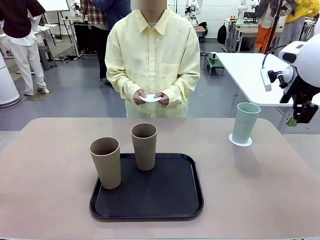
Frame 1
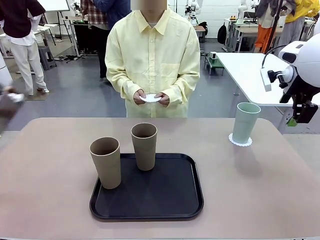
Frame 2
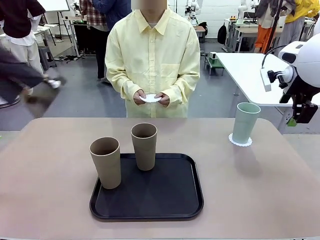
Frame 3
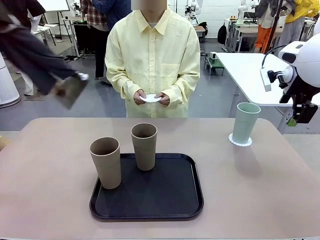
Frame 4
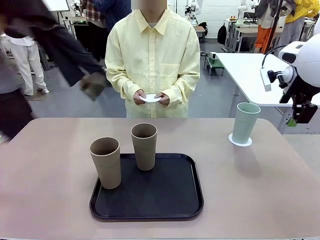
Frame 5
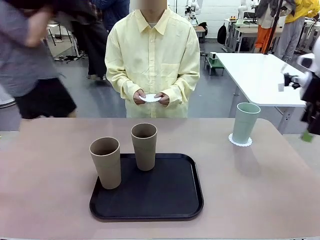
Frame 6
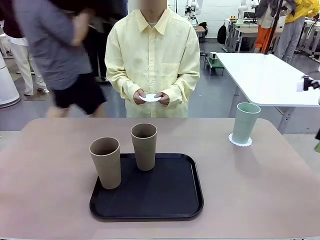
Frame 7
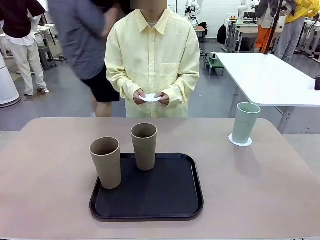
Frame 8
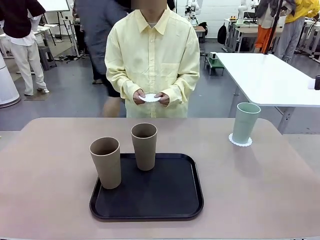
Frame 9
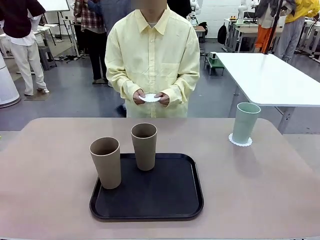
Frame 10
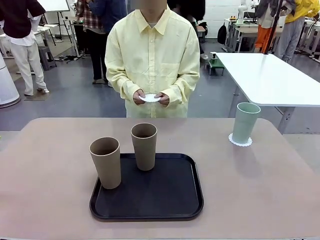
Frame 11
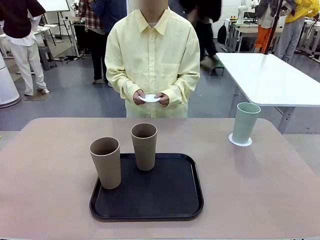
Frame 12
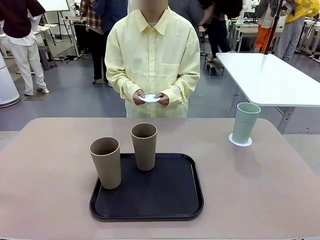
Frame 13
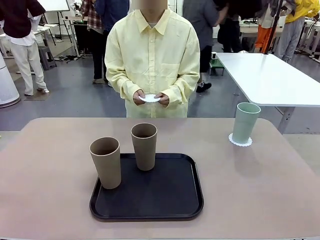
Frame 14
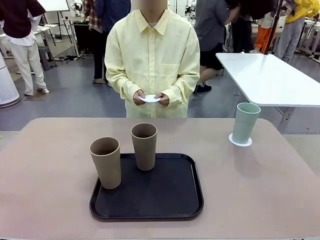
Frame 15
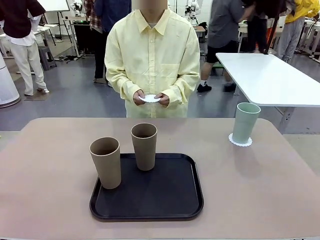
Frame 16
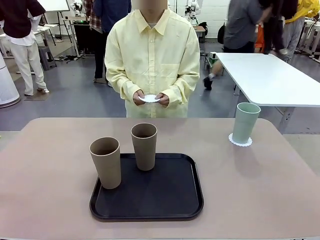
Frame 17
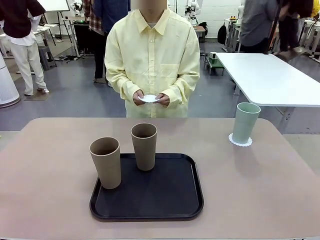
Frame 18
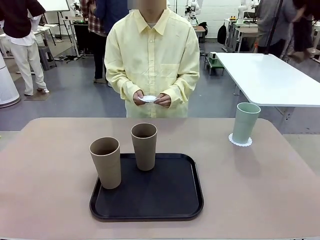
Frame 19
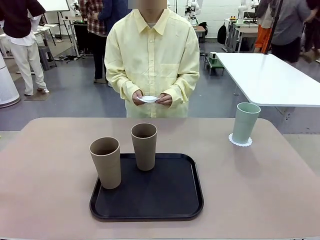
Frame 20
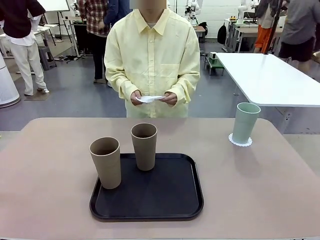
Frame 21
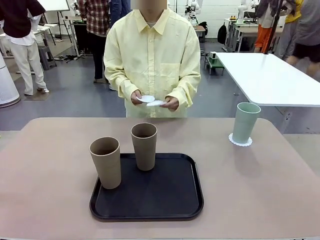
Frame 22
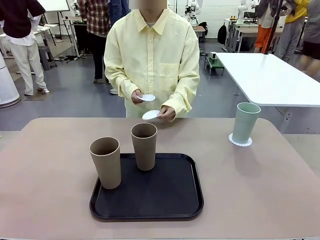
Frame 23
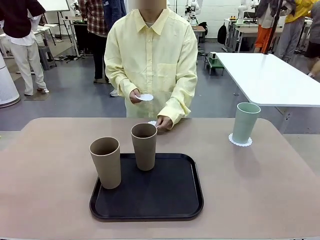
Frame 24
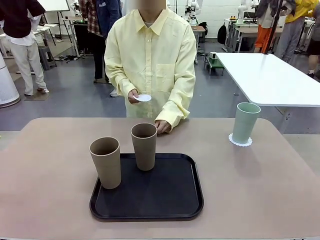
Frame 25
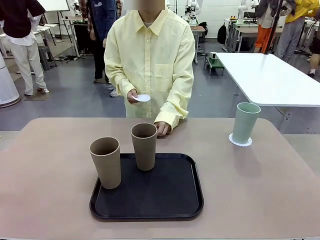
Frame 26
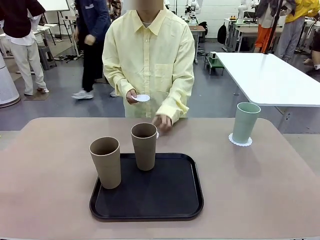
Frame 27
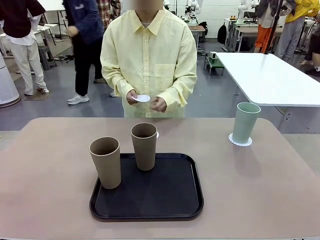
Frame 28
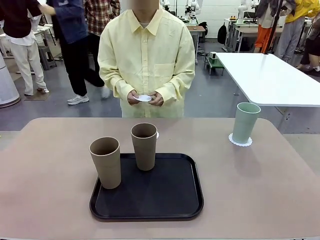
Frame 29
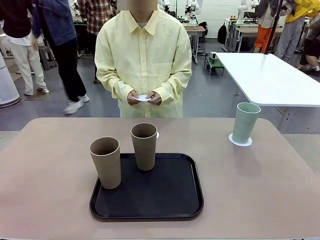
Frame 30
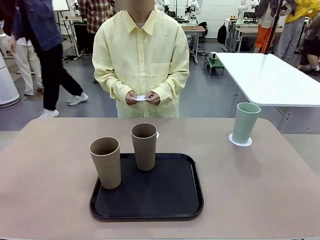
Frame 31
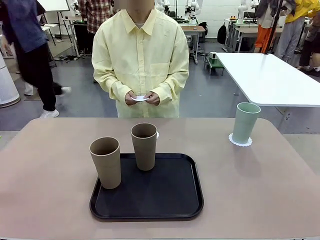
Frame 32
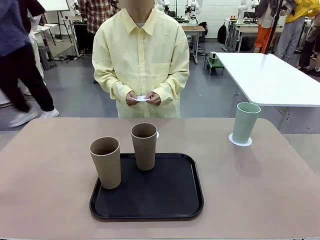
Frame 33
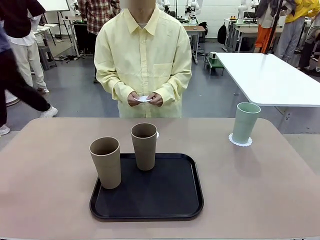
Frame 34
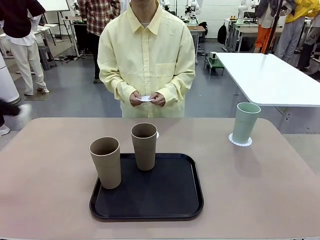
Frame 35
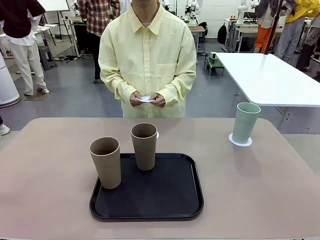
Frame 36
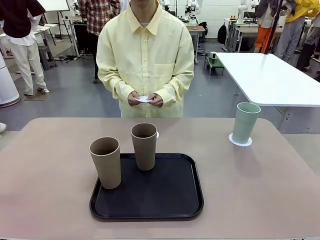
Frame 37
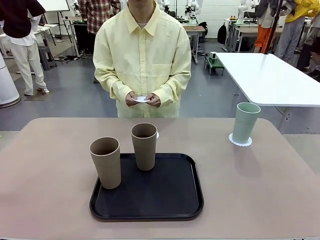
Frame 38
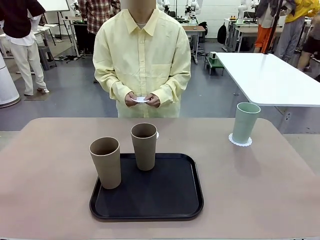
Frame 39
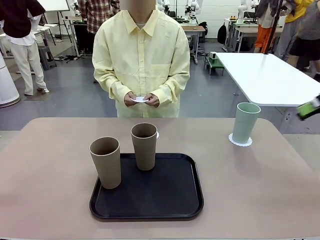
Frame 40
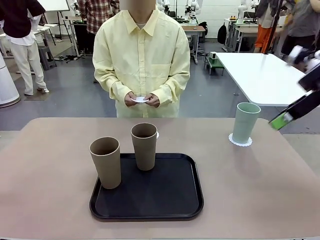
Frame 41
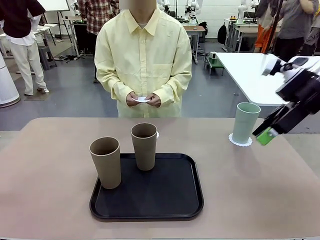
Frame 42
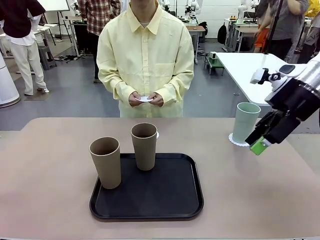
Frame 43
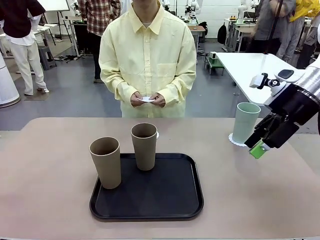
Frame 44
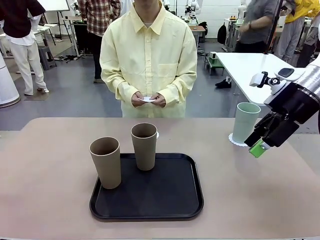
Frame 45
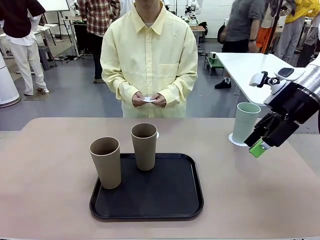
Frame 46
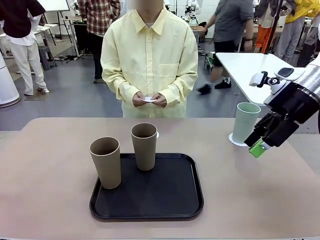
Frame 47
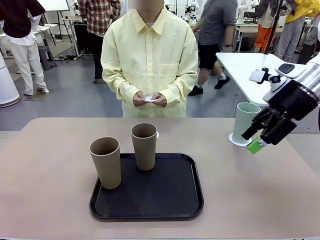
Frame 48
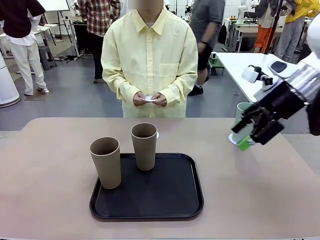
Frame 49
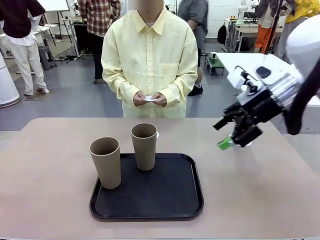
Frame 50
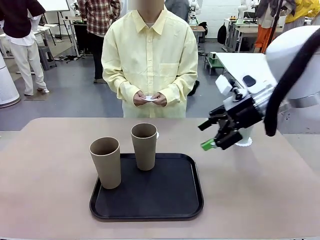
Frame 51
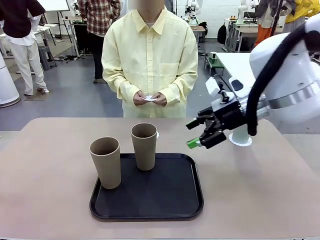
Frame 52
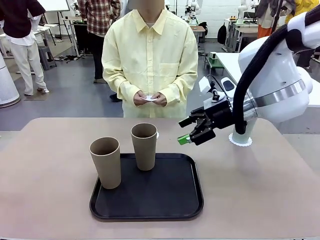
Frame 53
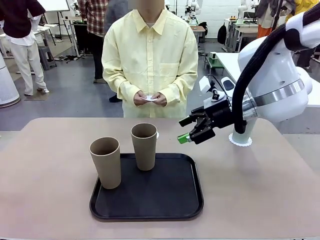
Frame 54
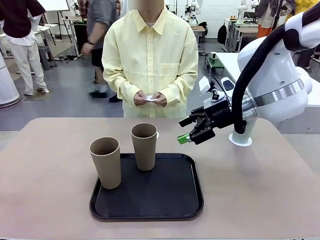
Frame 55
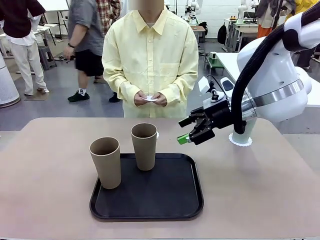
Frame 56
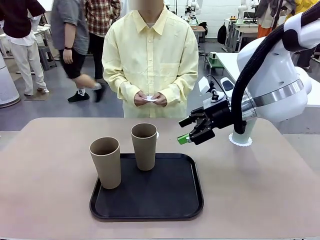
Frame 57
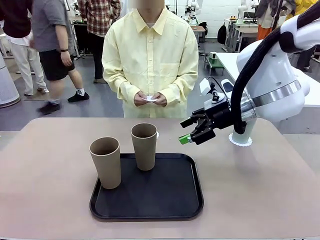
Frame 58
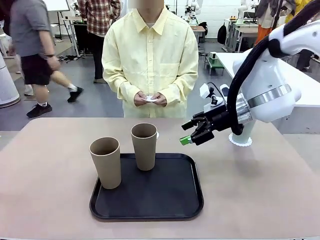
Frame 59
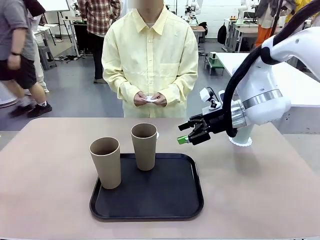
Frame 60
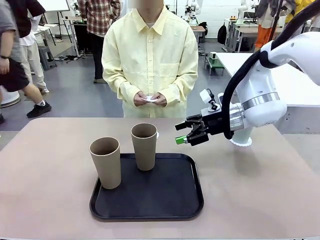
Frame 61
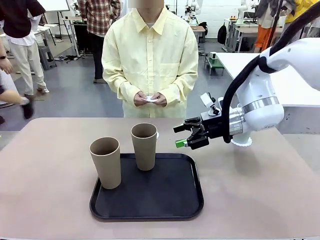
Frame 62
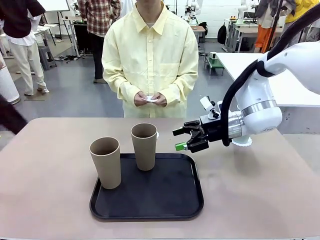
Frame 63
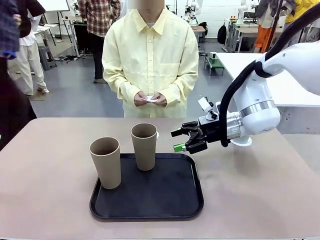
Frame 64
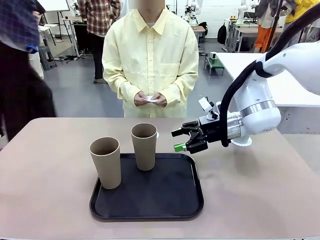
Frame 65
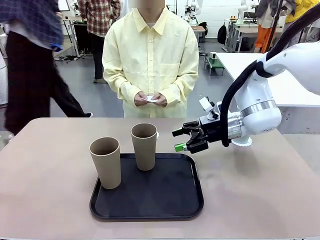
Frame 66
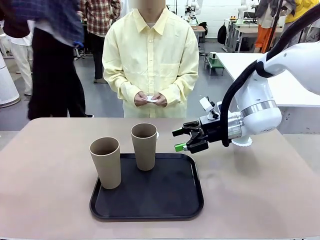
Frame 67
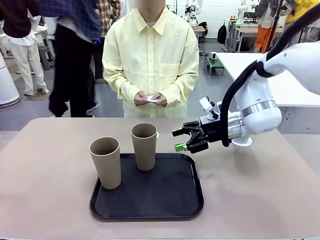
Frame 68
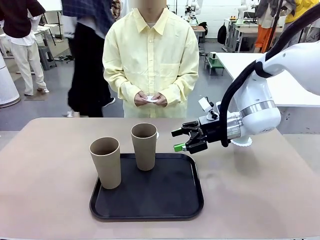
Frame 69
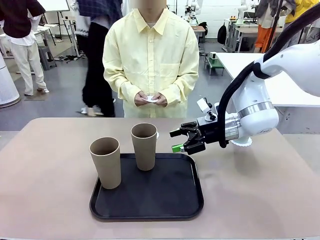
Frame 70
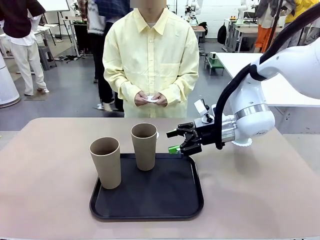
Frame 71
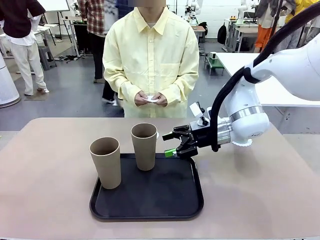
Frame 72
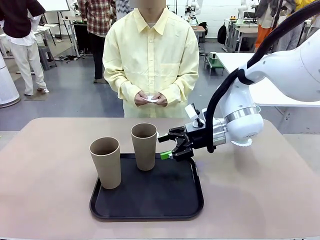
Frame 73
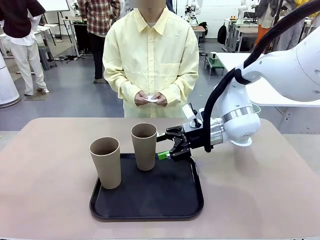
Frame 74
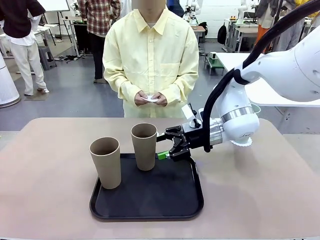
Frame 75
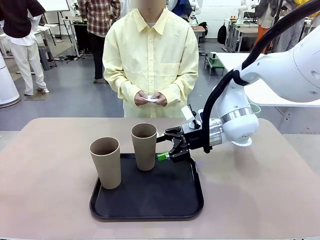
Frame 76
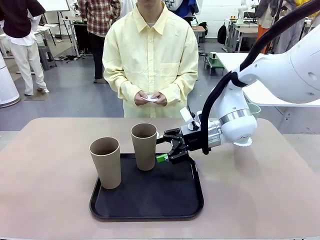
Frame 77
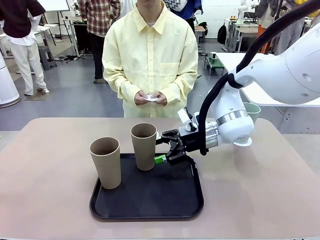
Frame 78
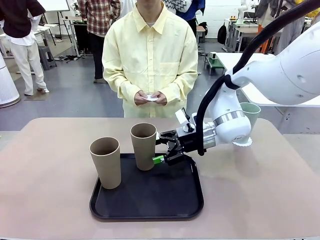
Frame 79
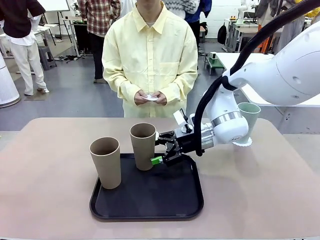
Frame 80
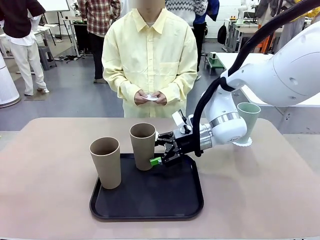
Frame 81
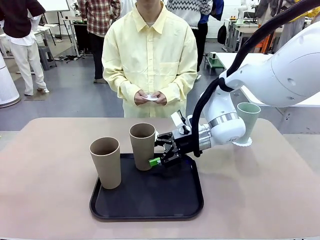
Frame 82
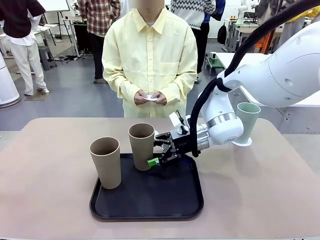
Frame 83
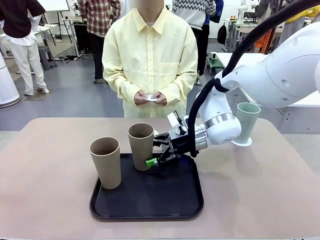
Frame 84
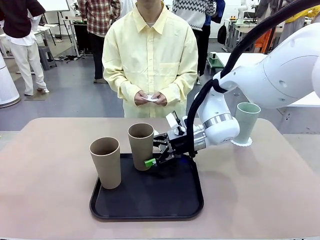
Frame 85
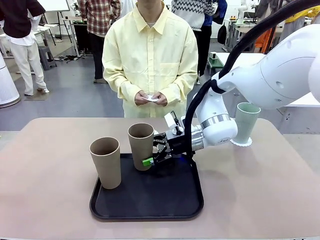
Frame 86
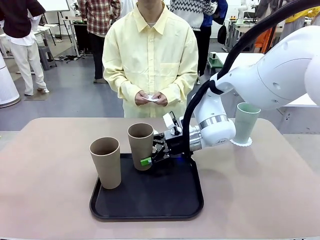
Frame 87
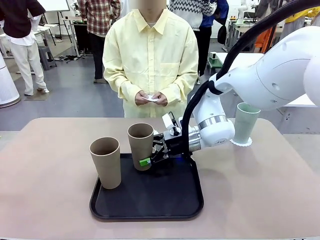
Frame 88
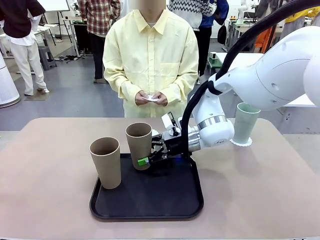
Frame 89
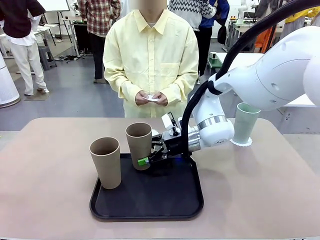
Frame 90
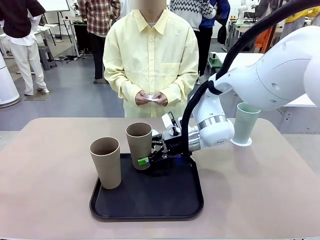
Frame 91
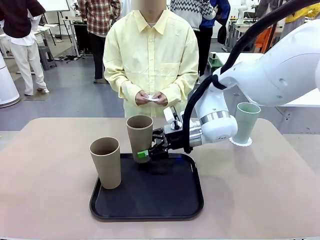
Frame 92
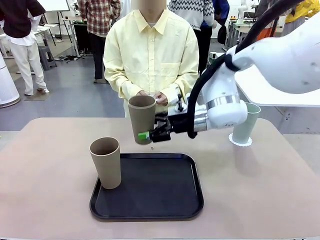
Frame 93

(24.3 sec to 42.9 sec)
Task: Place coasters on the table and set cups on them.
Robot: Take one Reusable plastic cup from the Flat Tray and place it on a coaster set by the human.
